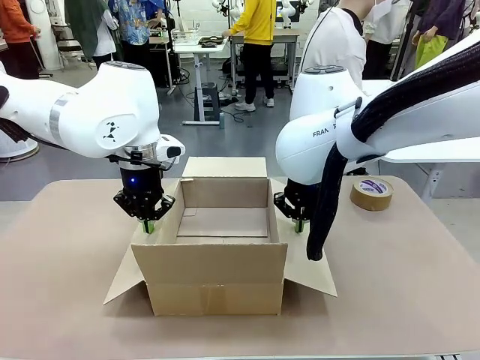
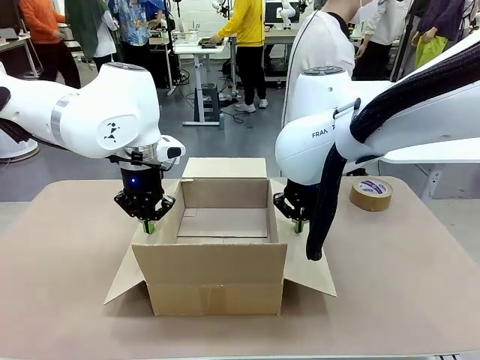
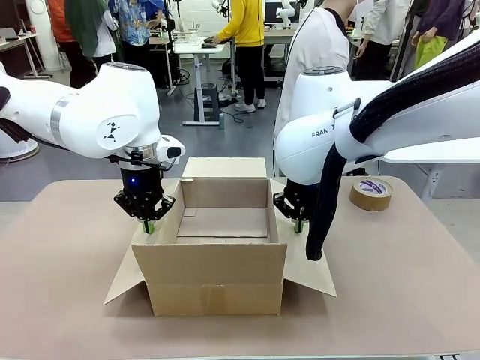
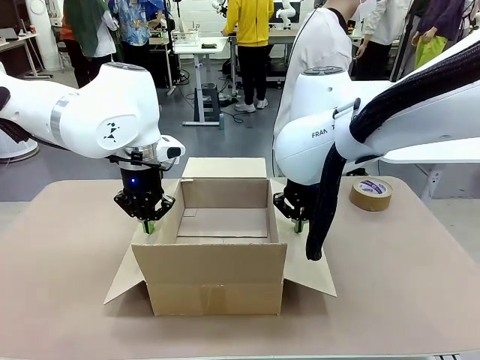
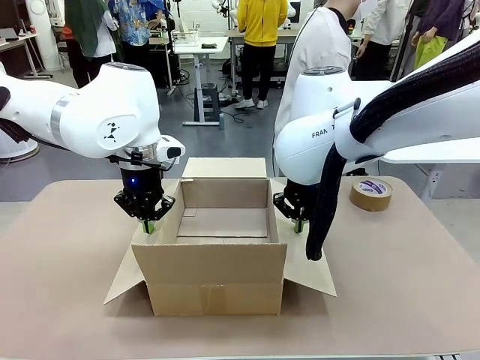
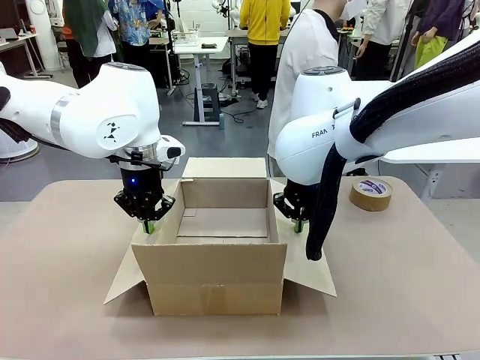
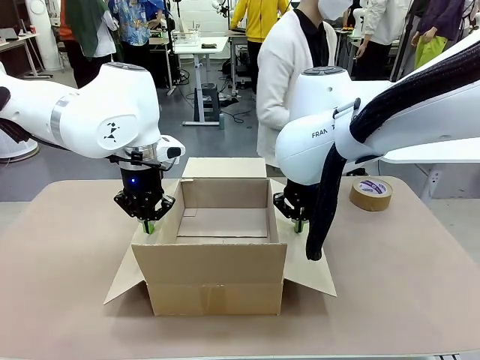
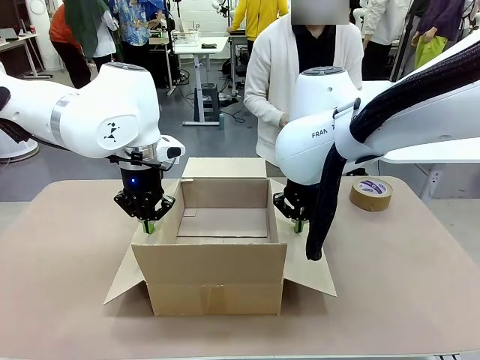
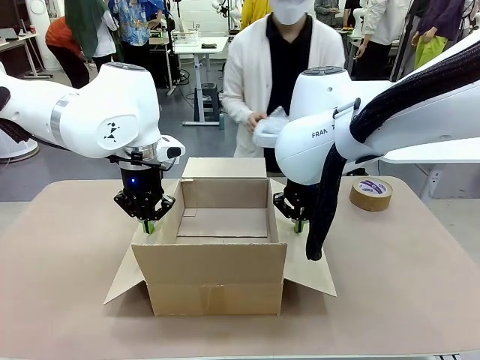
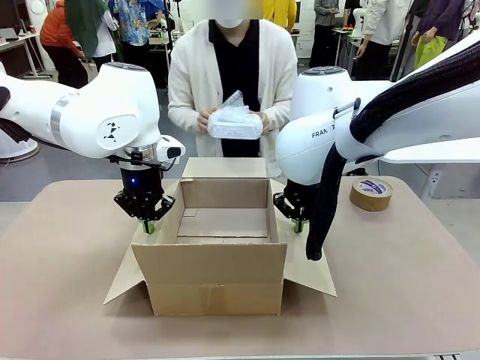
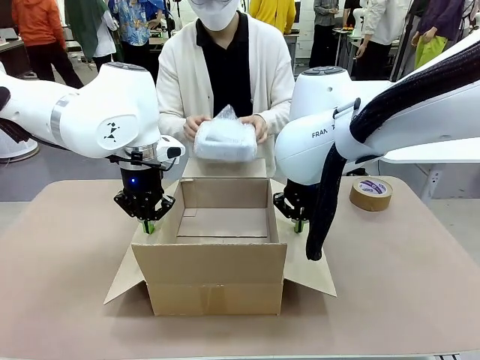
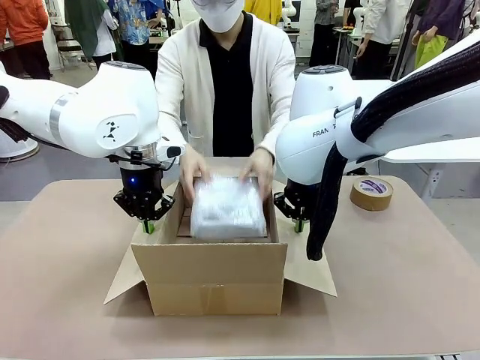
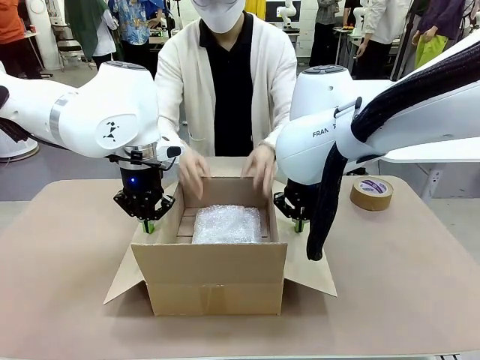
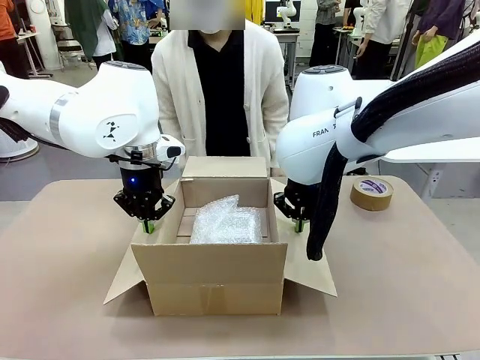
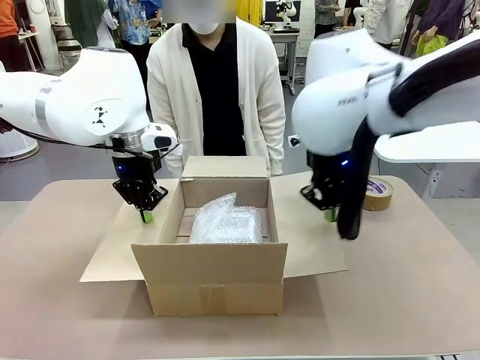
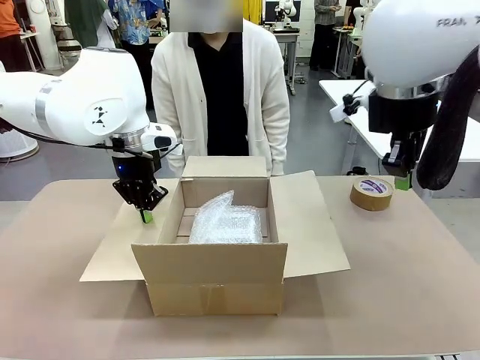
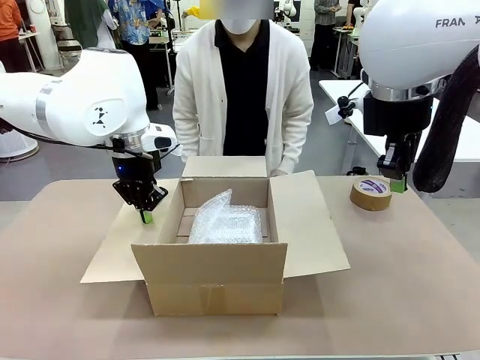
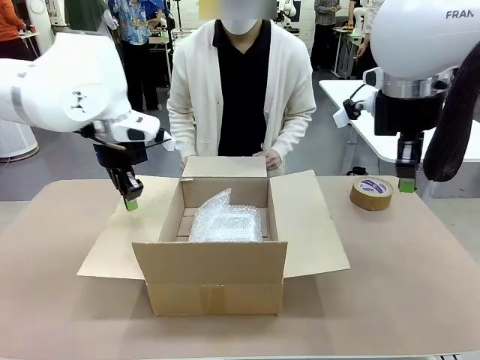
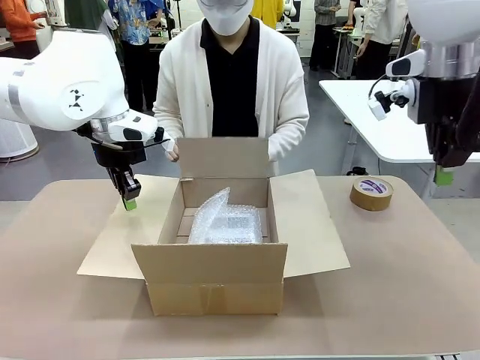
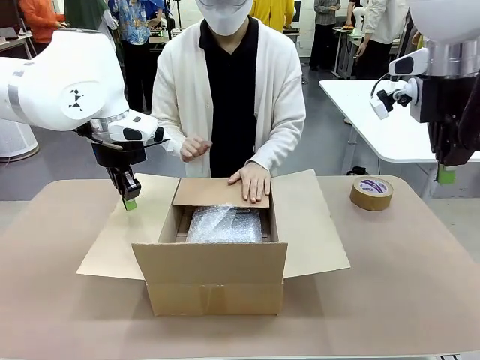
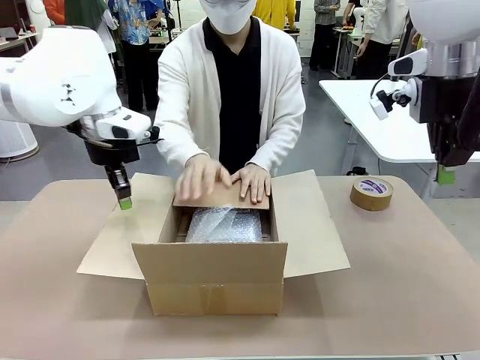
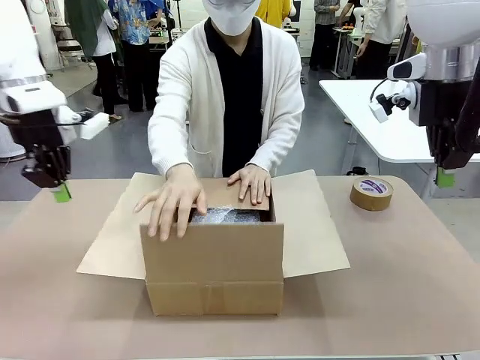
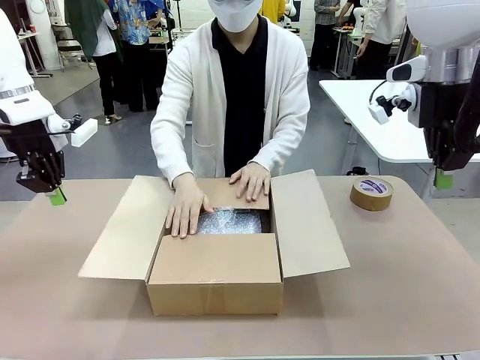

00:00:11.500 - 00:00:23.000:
Task: Wrap the clocks to prevent damage.
Robot: Once the human has placed the objects inside and stepped back, release both hands from the side flaps of the Package Box.
Person: Place the wrapped Digital clocks inside the Package Box. Hold the top and bottom flaps of the Package Box closed with your left (or right) hand.

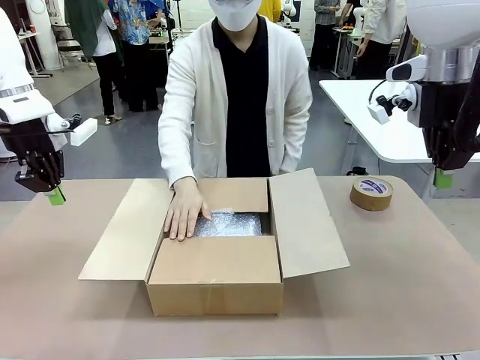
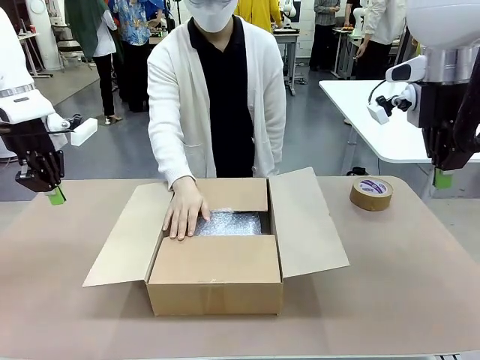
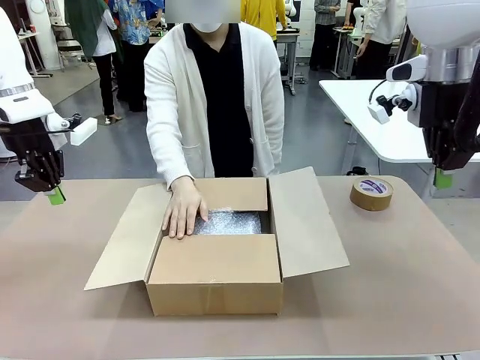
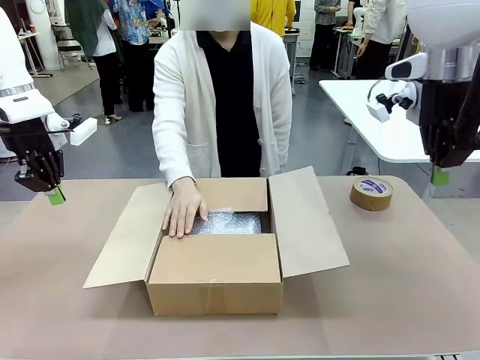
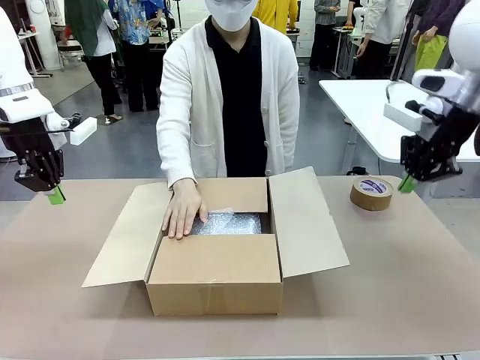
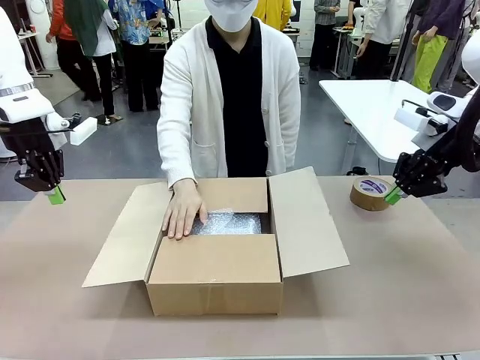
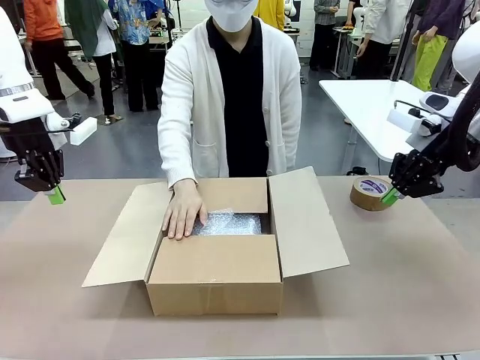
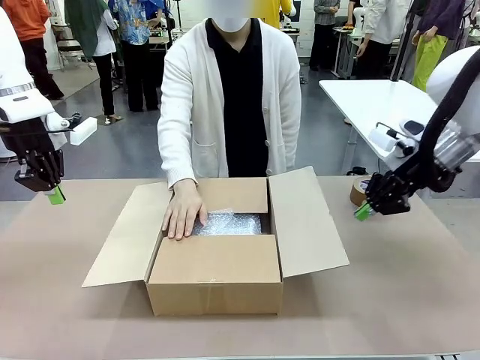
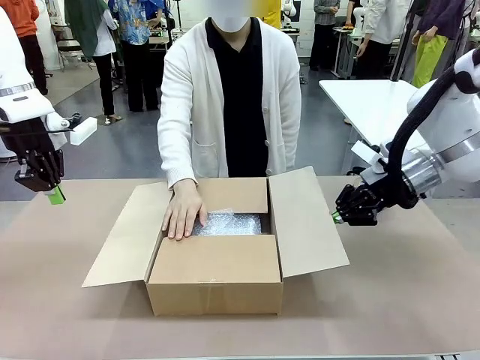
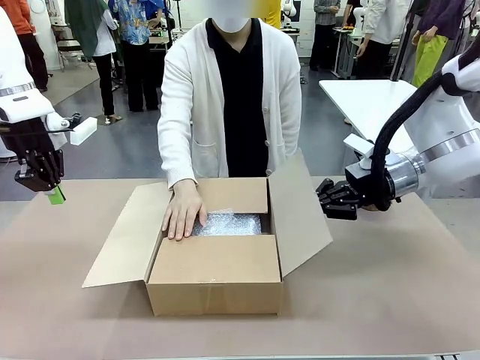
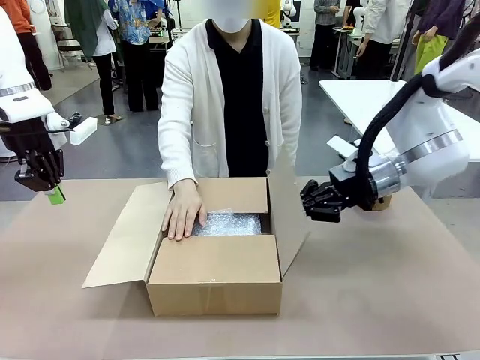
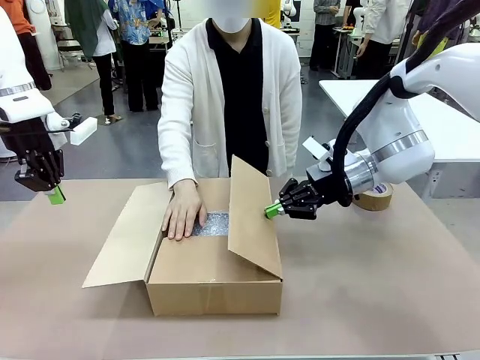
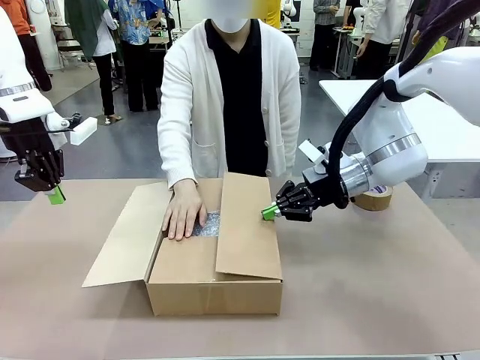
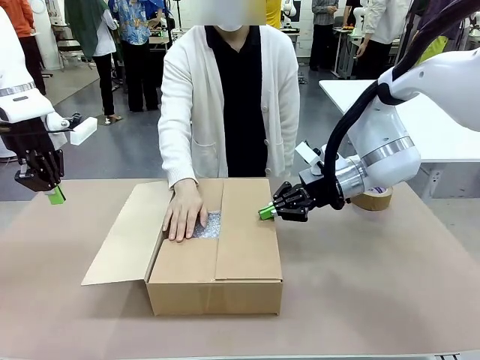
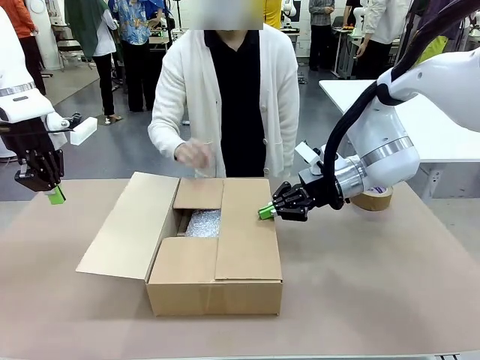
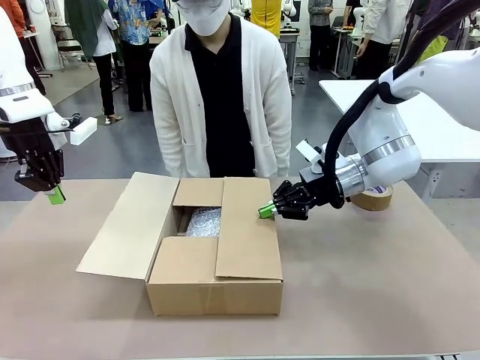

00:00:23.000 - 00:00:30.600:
Robot: Push the right (or left) flap of the Package Box to close it.
Person: Once the robot closes the right flap of the Package Box , release your left hand from the box.

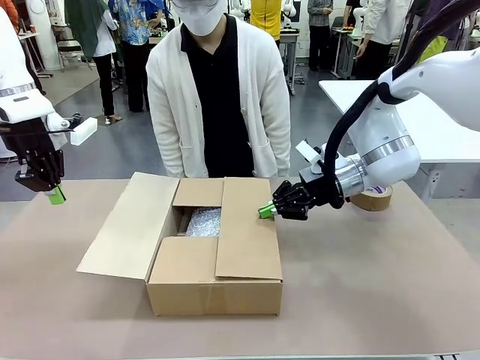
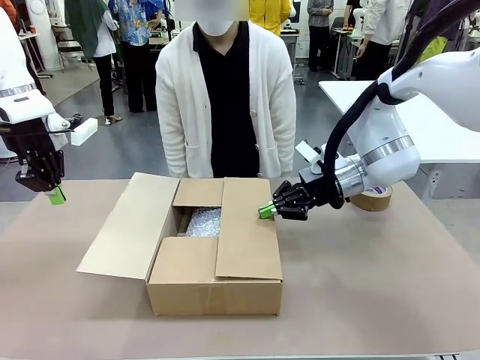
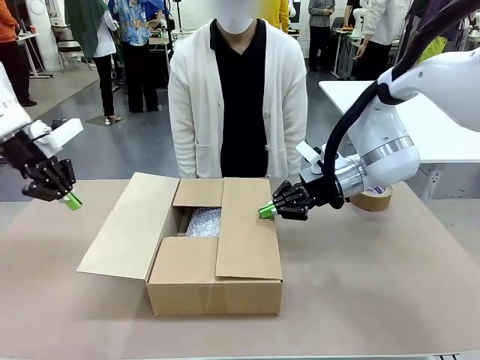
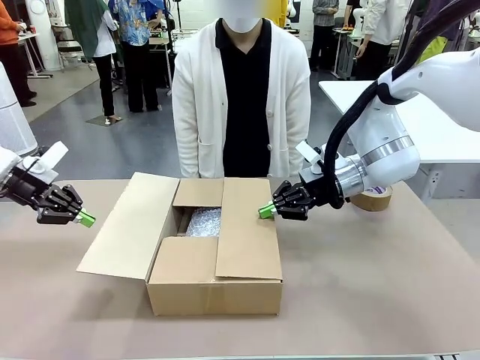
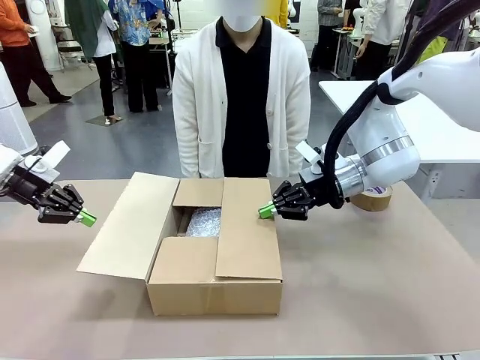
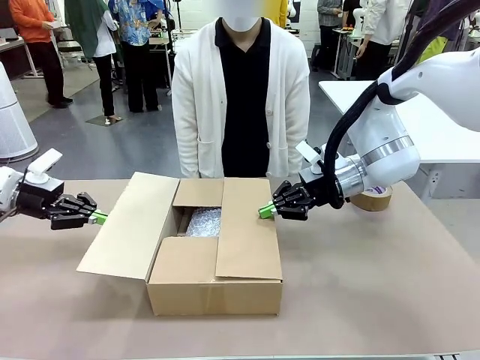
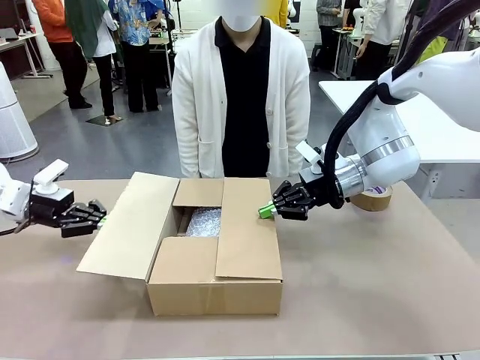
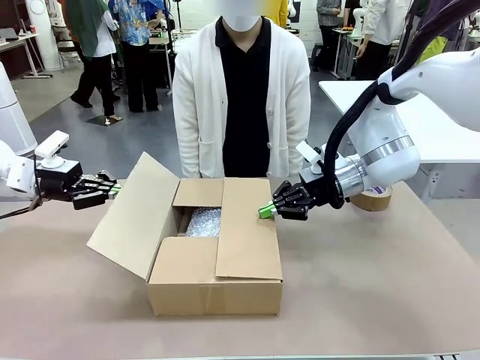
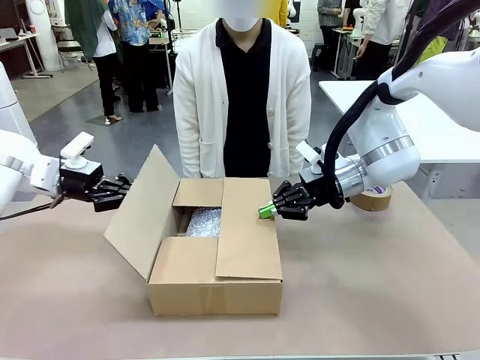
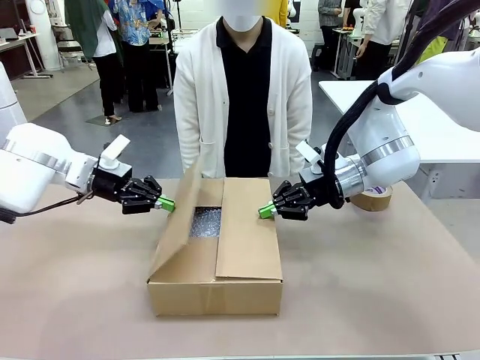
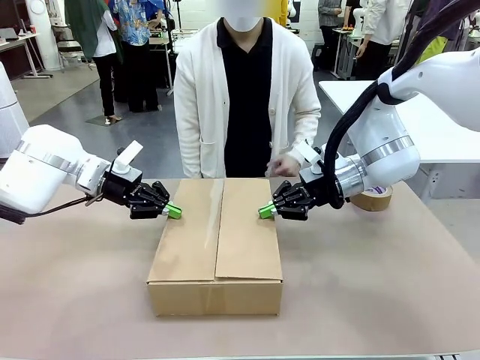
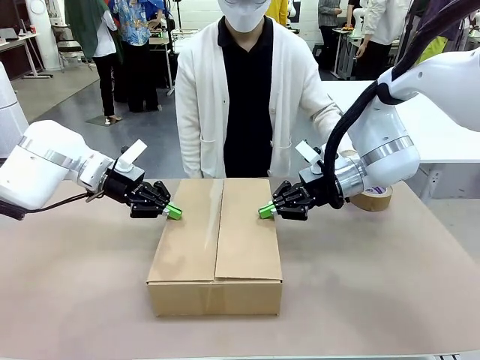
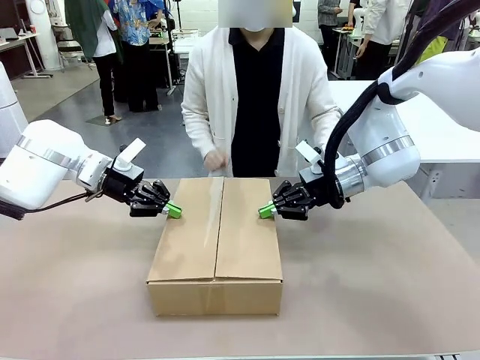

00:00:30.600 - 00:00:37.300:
Robot: Push the left (or right) flap of the Package Box to close it.
